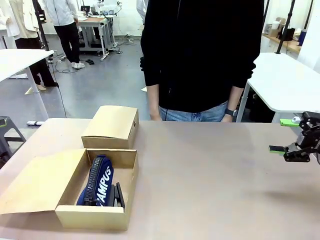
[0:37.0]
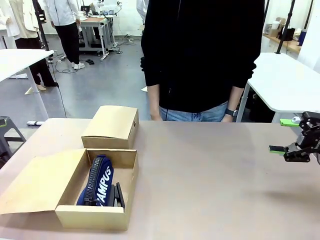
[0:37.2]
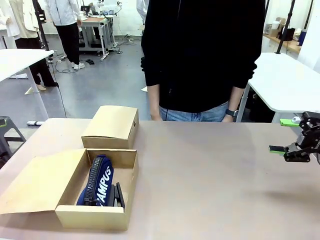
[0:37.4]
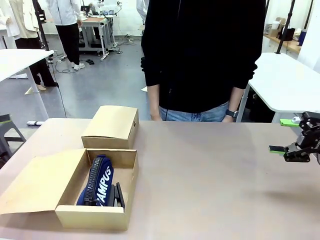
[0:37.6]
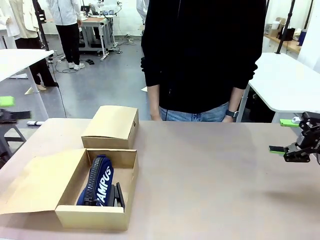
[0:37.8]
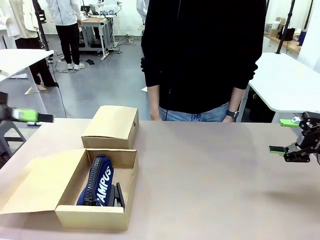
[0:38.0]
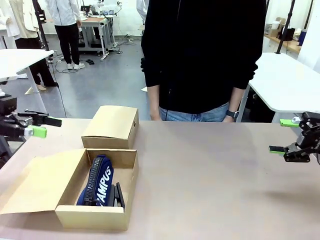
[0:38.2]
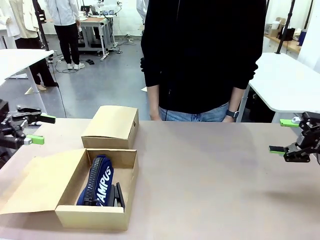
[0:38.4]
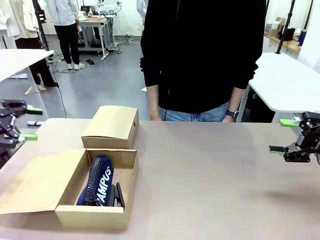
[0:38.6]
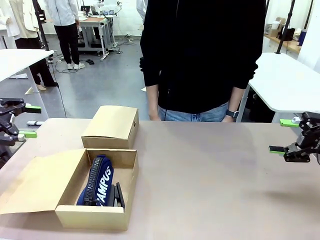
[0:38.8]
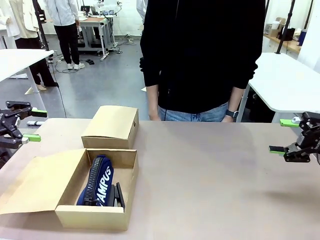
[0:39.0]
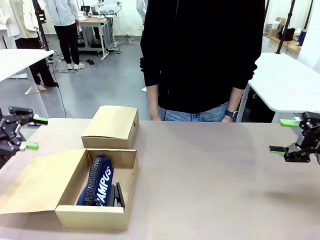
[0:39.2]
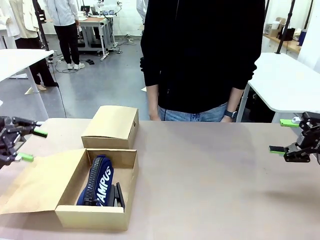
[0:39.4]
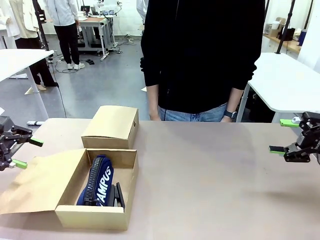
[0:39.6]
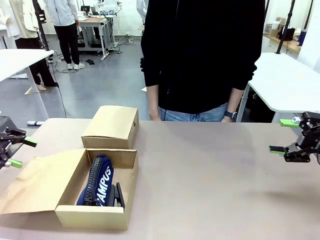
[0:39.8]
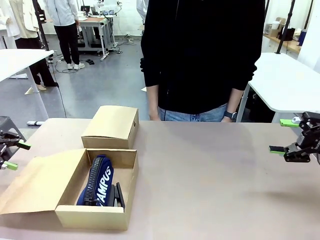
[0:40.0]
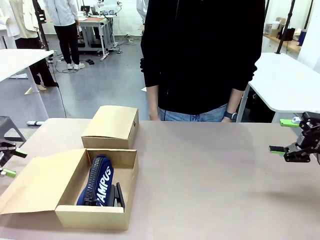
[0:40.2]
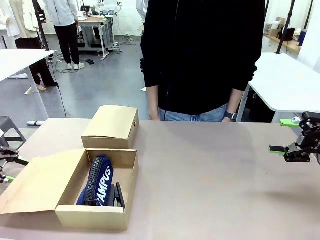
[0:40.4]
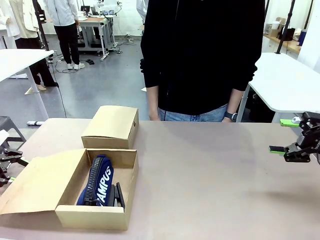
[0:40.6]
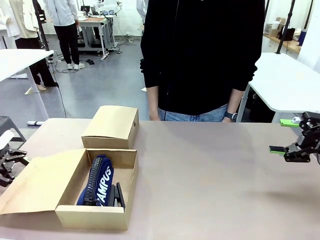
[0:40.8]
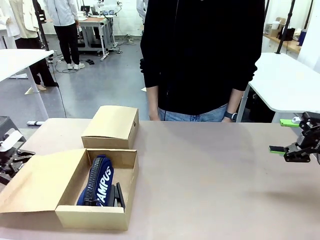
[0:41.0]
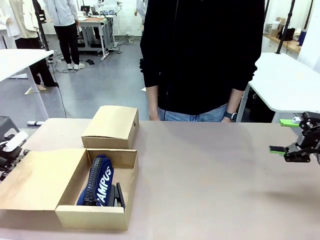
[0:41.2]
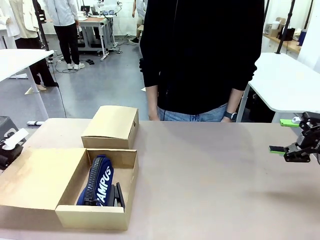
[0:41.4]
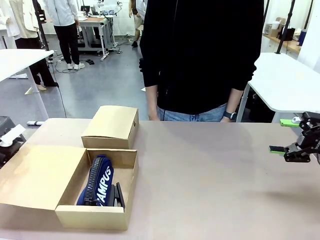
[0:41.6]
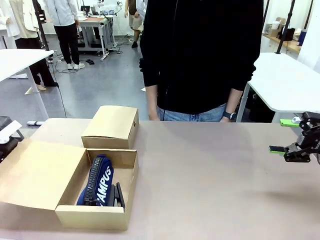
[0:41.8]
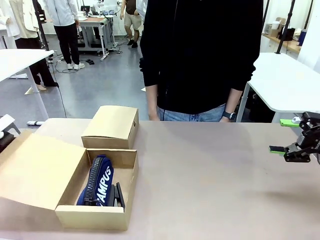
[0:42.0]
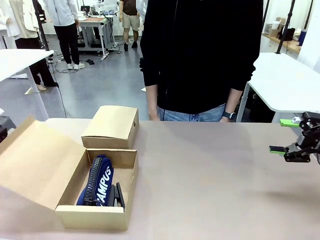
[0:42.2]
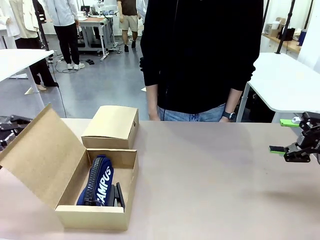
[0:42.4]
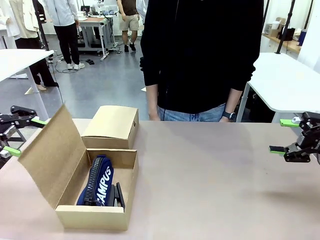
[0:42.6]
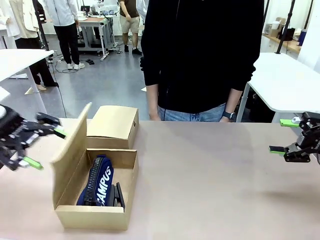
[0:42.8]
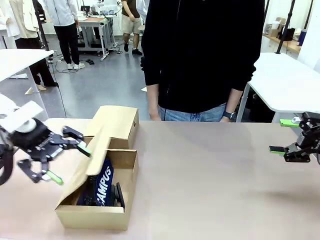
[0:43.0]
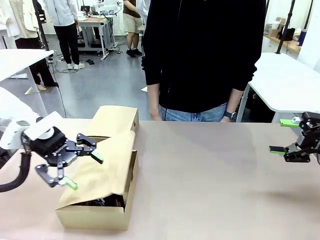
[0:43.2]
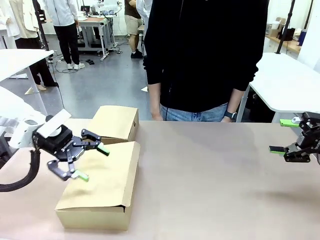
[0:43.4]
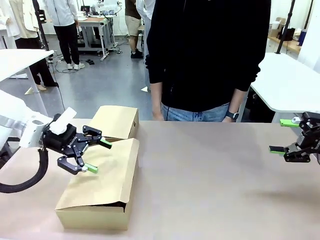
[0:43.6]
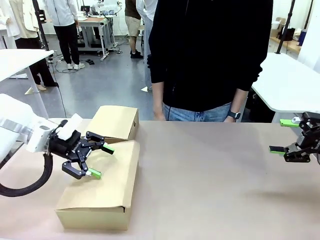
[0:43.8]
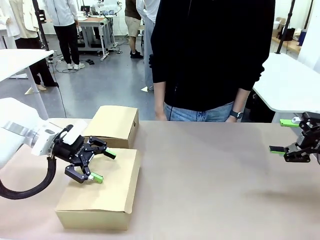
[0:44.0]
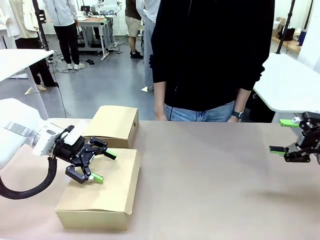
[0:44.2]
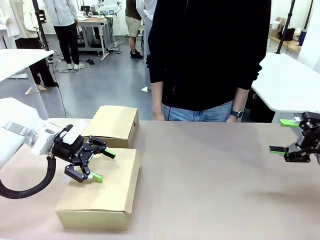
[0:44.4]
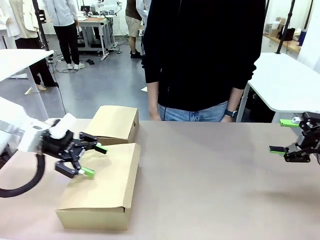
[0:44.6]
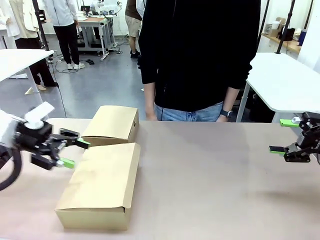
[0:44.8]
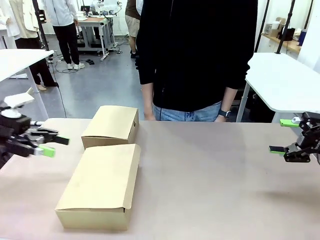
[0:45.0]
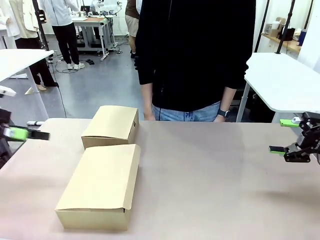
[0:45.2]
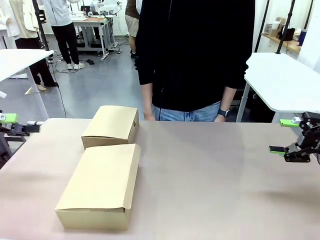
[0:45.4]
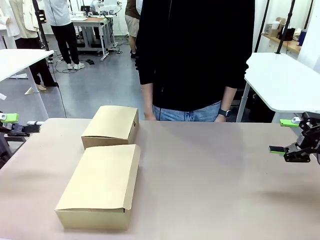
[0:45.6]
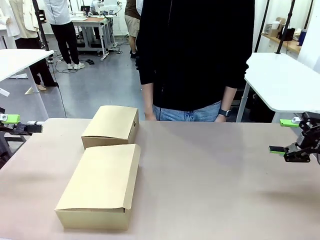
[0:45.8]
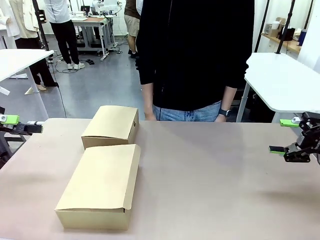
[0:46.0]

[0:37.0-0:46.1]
Task: Place items inside the box.
Robot: Close the lid of the Mailer Box closest to the robot.

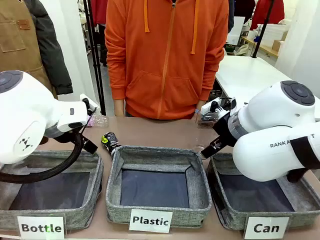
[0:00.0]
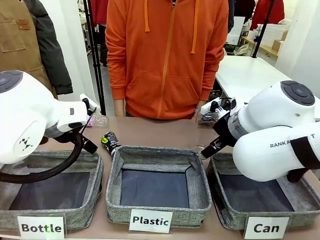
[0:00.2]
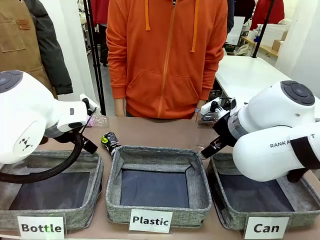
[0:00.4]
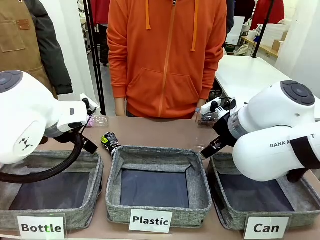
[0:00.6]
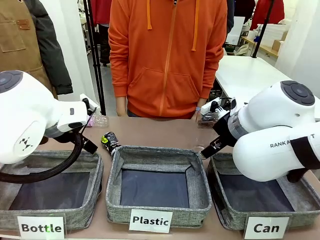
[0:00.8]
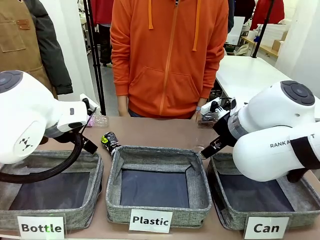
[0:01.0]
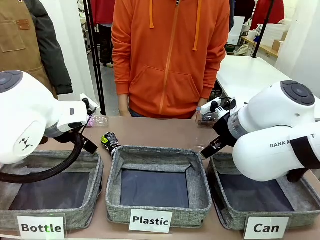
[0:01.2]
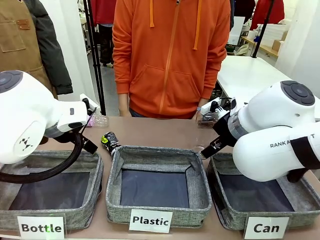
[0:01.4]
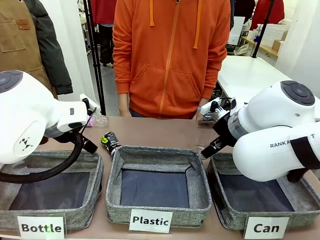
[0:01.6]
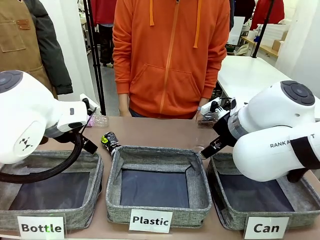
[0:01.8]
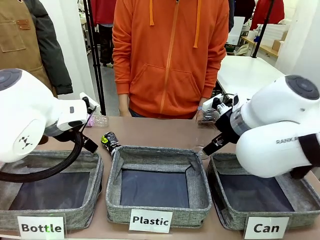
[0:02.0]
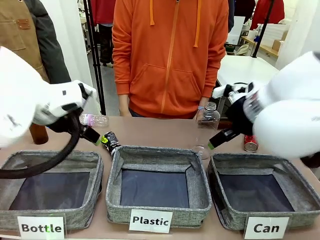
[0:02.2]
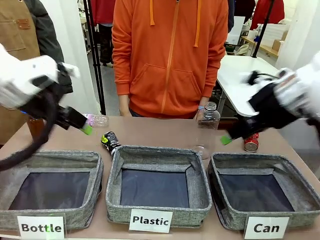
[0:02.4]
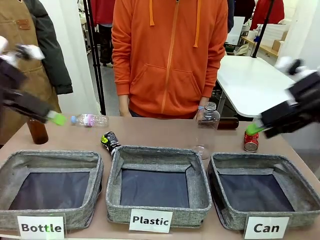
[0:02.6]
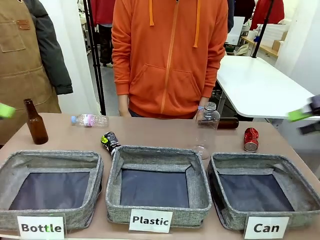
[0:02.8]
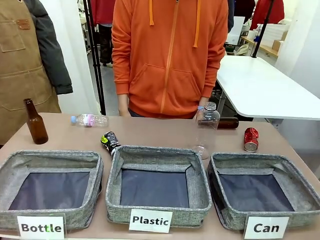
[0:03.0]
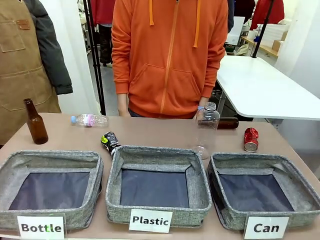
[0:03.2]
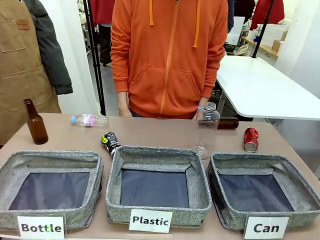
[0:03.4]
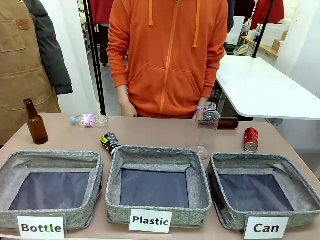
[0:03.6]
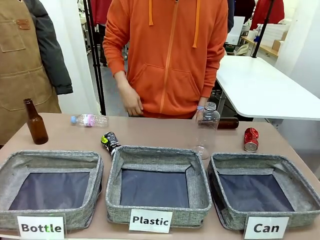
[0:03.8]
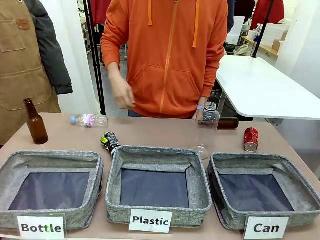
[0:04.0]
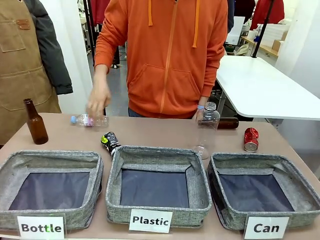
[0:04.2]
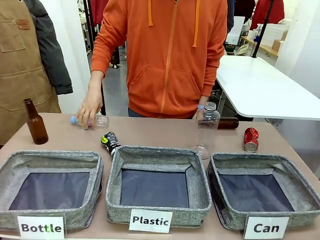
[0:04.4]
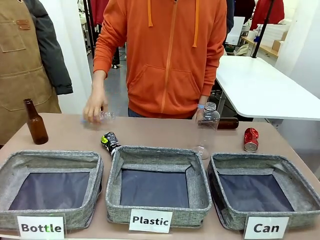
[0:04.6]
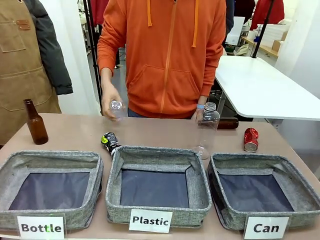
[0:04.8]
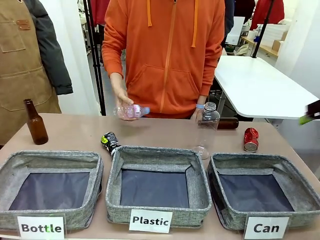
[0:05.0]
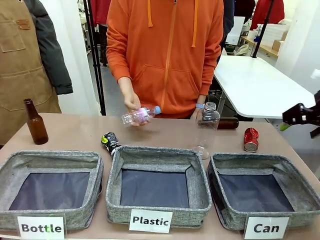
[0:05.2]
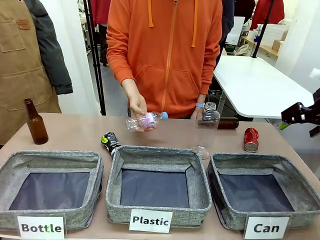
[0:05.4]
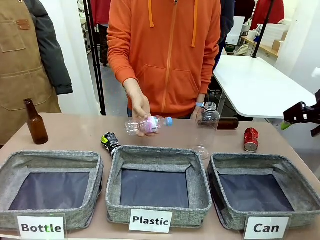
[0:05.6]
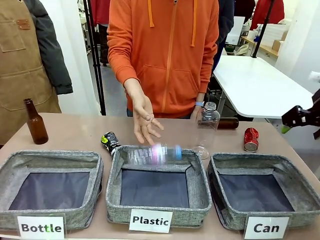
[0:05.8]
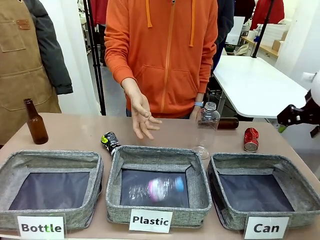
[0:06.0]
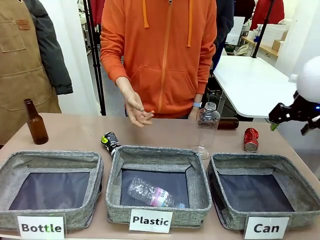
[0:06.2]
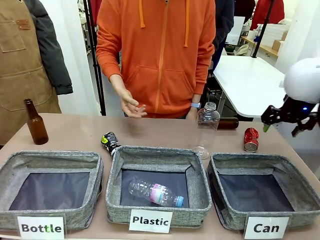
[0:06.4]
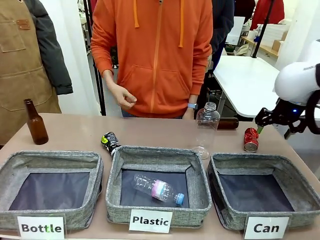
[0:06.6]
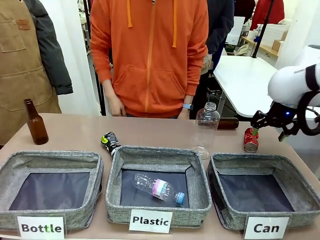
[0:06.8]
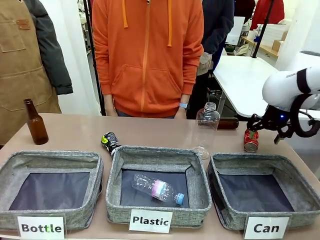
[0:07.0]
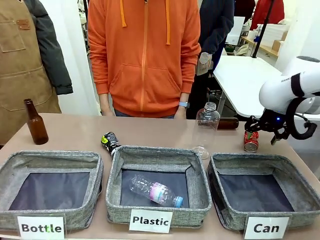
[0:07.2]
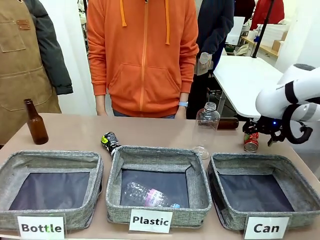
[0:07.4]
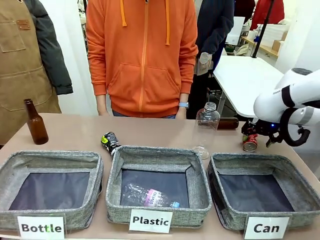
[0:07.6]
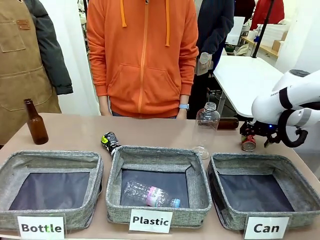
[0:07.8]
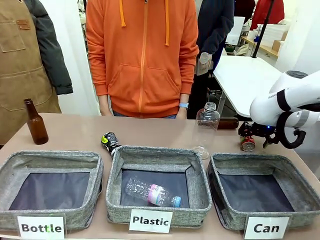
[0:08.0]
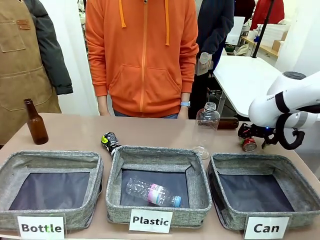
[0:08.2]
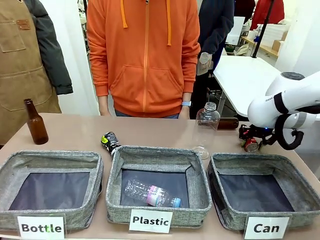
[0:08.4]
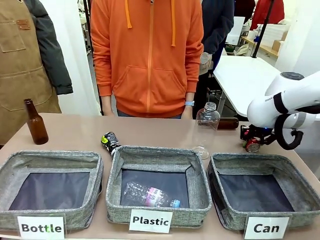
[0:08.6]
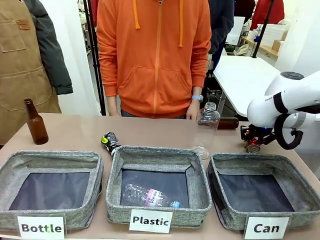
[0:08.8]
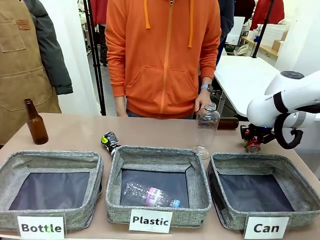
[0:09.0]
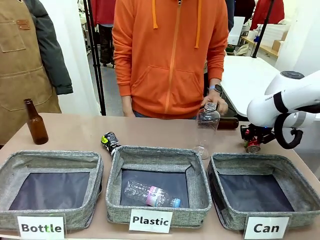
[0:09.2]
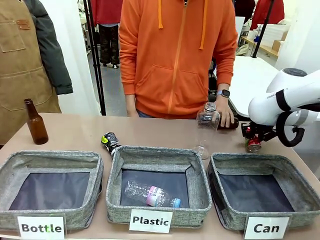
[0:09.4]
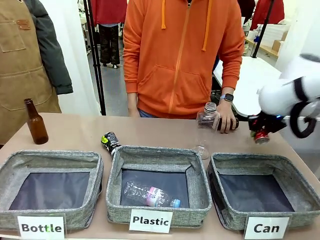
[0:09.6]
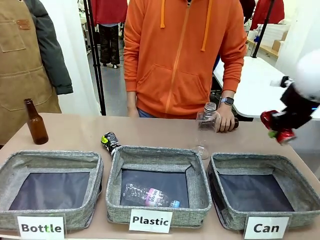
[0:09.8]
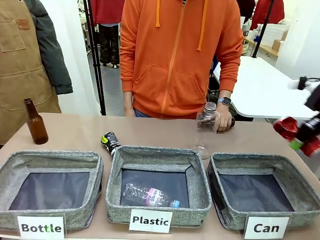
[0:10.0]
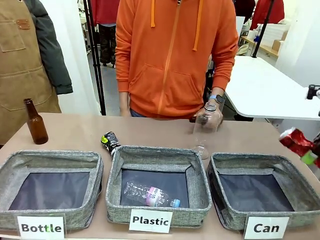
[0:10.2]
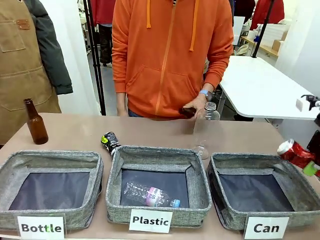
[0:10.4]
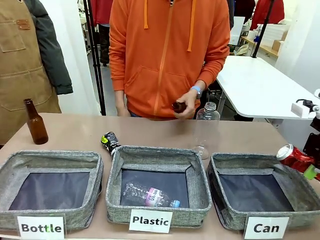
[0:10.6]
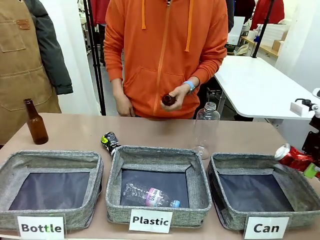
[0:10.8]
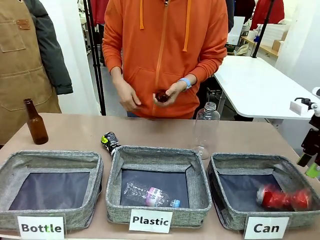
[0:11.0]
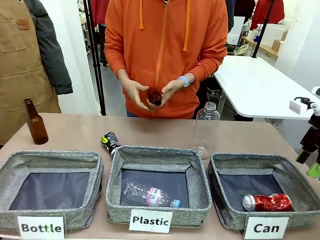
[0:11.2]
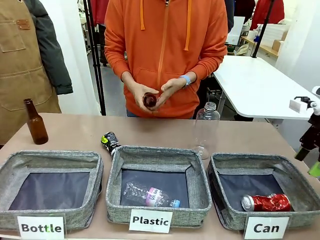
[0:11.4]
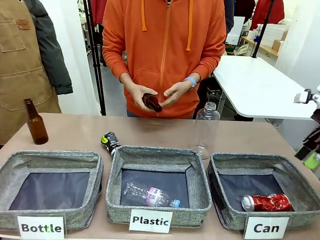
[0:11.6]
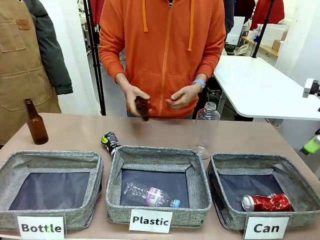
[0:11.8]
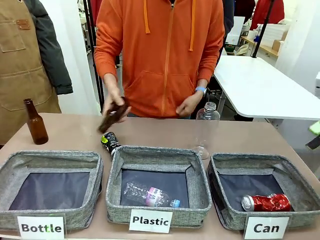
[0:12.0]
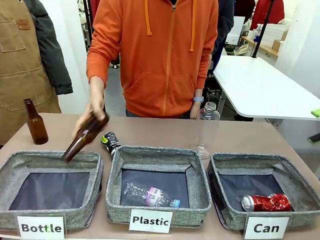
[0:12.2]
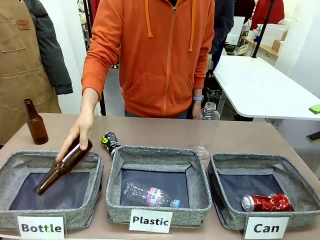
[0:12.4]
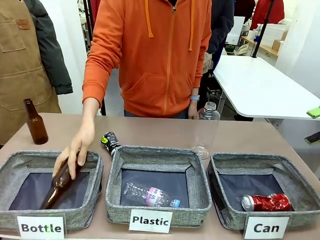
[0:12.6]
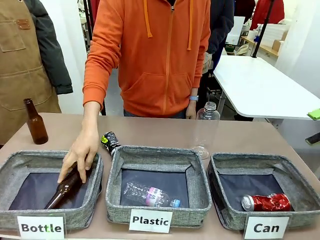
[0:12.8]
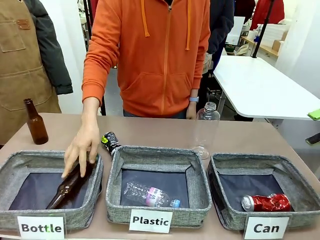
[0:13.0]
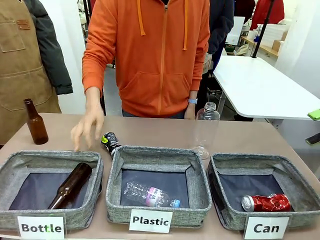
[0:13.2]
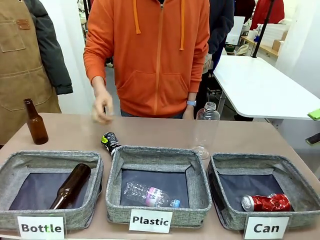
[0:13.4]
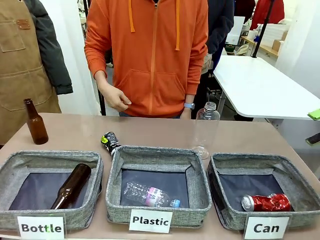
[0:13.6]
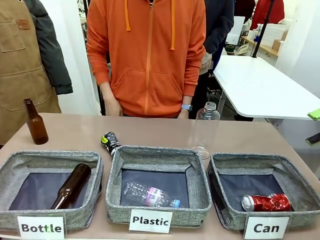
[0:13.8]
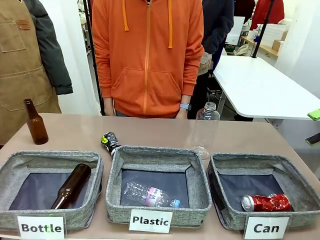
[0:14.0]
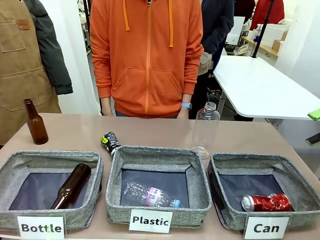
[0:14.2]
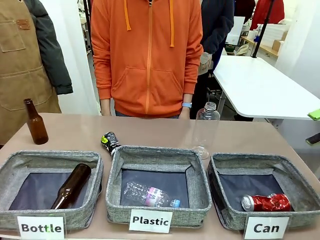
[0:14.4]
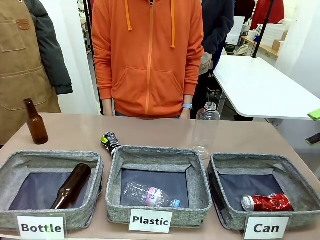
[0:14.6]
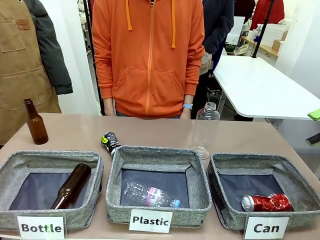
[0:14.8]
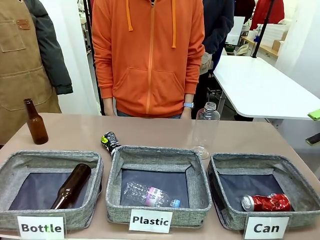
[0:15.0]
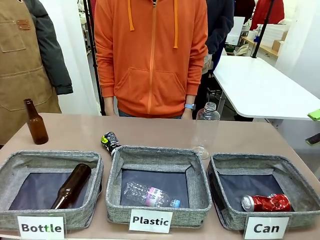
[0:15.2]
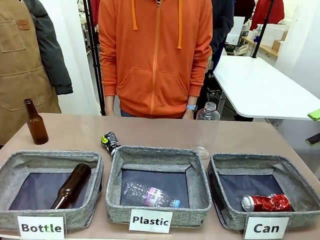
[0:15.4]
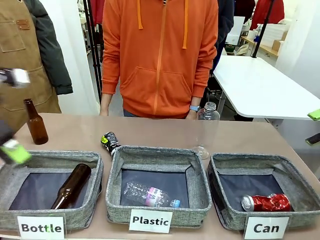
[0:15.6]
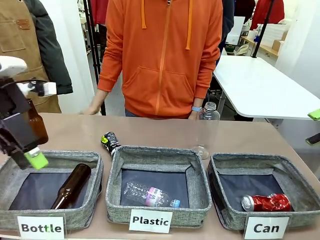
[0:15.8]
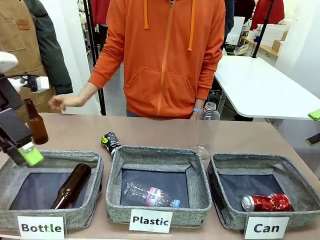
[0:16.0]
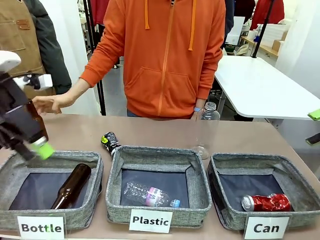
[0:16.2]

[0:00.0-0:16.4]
Task: Sort the can waste into the basket.
Robot: Pick up the can waste from the table and place it in the right Fabric basket.
